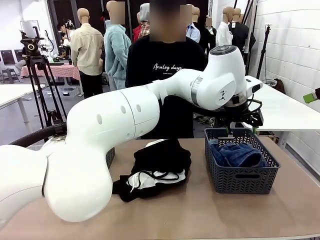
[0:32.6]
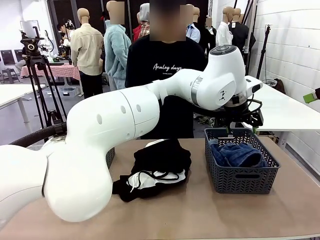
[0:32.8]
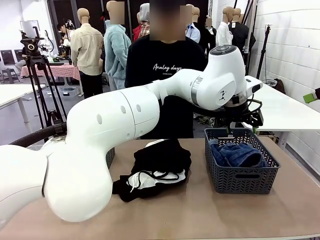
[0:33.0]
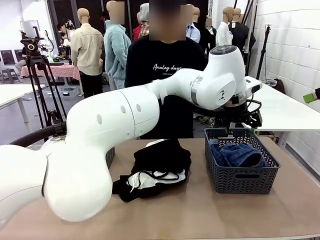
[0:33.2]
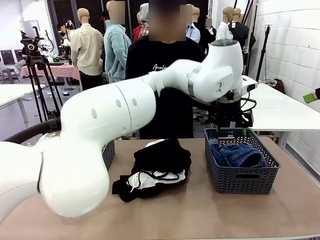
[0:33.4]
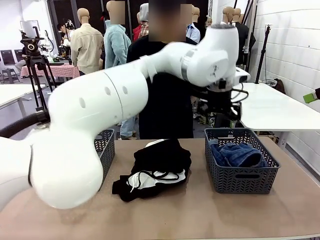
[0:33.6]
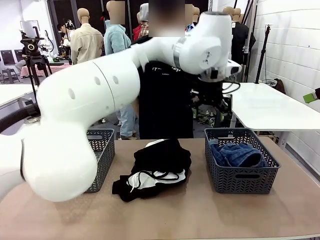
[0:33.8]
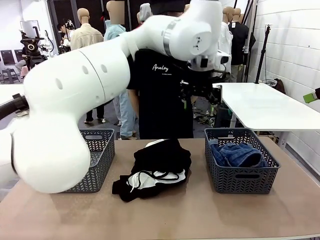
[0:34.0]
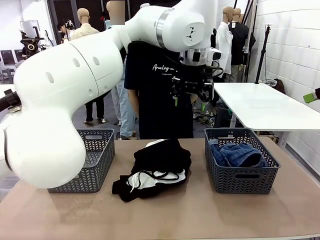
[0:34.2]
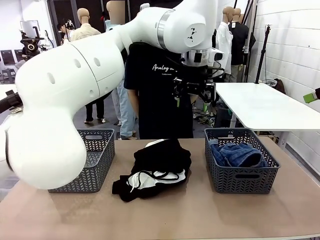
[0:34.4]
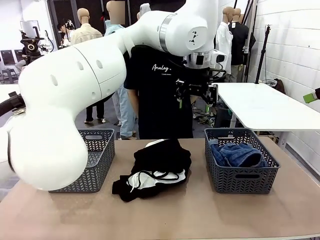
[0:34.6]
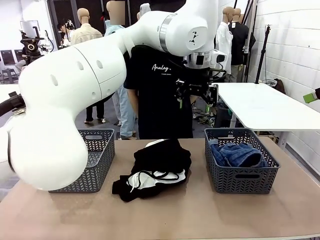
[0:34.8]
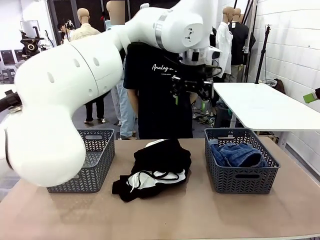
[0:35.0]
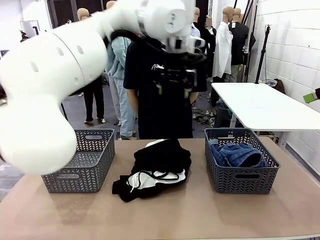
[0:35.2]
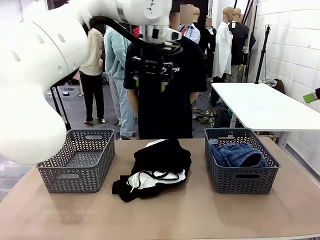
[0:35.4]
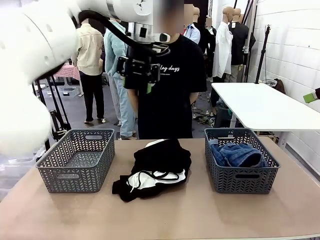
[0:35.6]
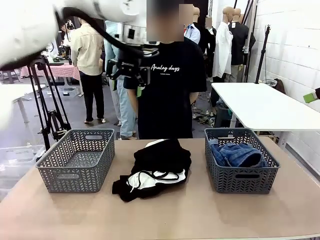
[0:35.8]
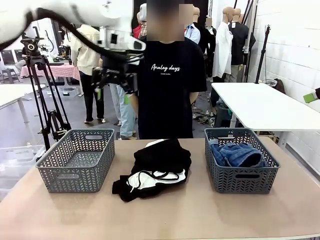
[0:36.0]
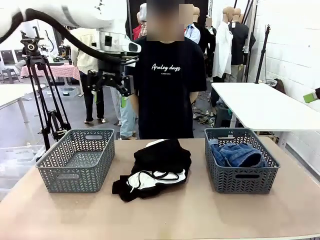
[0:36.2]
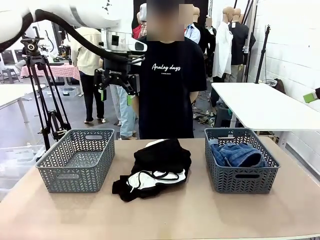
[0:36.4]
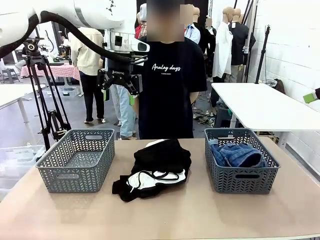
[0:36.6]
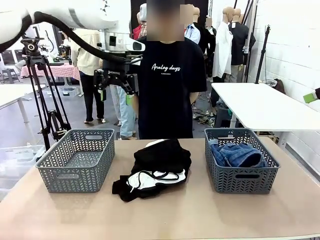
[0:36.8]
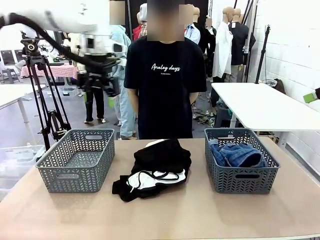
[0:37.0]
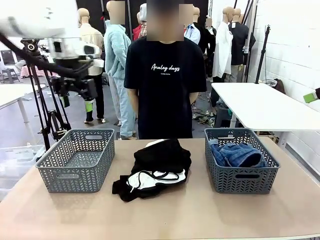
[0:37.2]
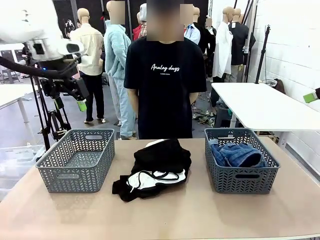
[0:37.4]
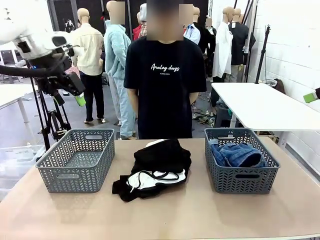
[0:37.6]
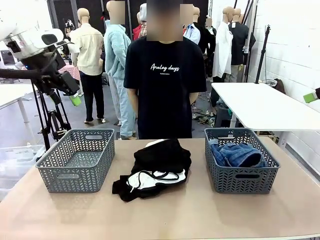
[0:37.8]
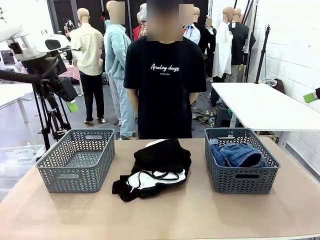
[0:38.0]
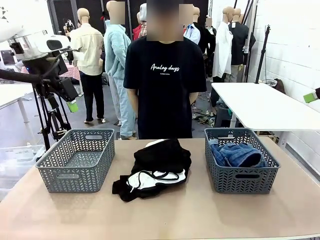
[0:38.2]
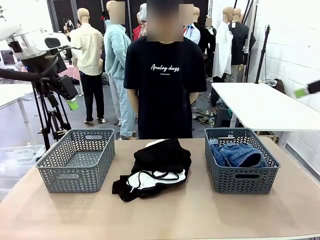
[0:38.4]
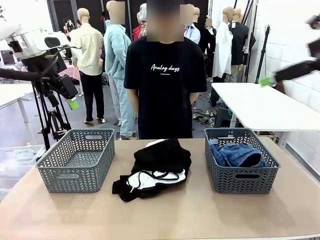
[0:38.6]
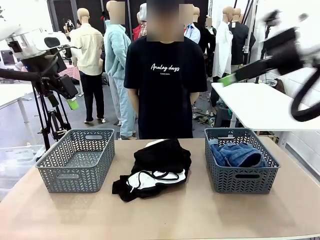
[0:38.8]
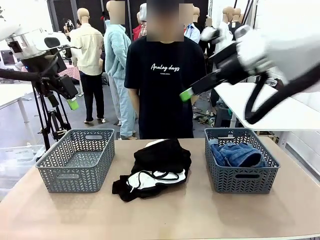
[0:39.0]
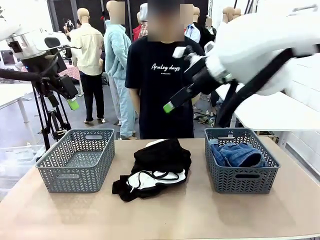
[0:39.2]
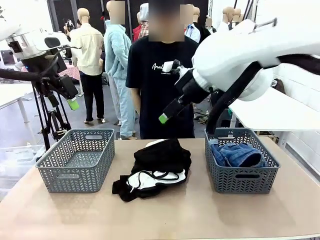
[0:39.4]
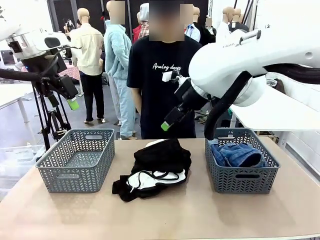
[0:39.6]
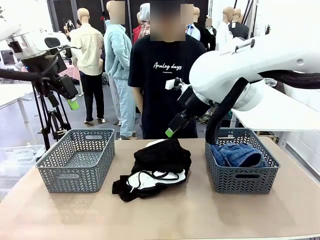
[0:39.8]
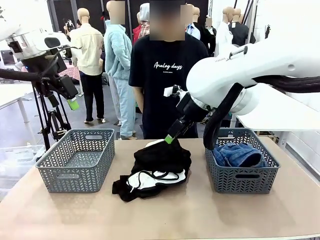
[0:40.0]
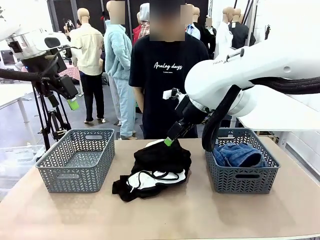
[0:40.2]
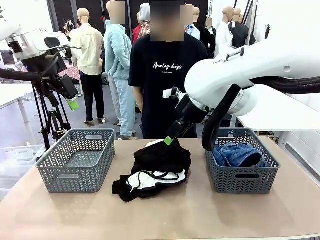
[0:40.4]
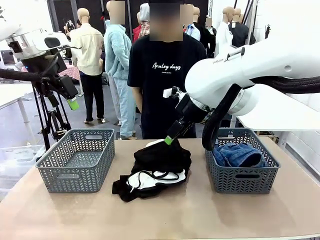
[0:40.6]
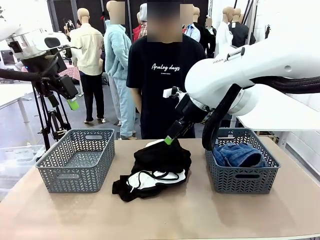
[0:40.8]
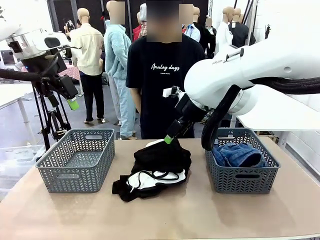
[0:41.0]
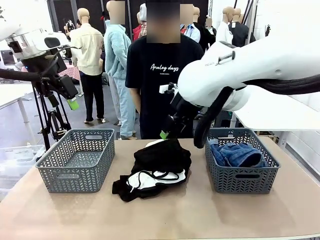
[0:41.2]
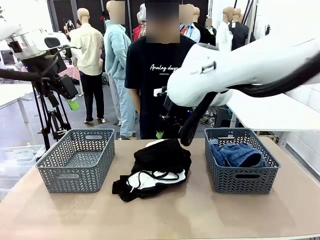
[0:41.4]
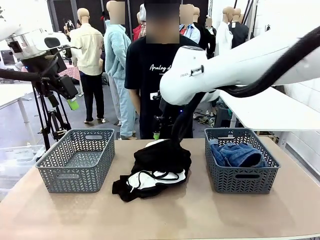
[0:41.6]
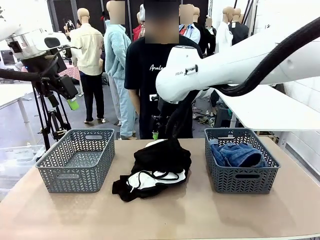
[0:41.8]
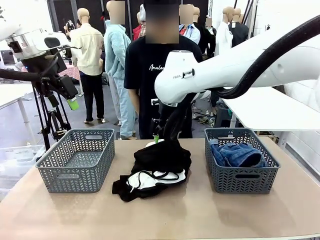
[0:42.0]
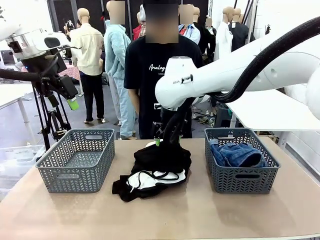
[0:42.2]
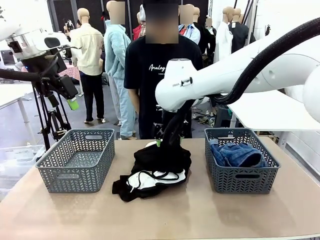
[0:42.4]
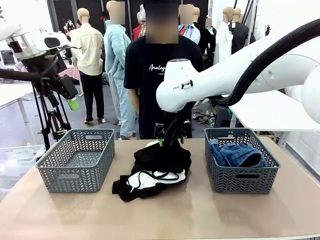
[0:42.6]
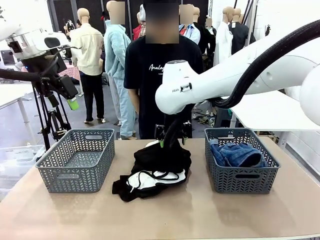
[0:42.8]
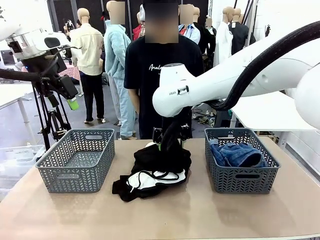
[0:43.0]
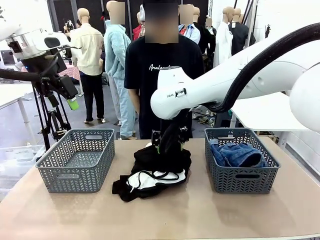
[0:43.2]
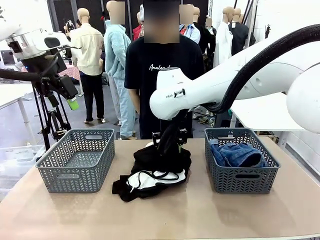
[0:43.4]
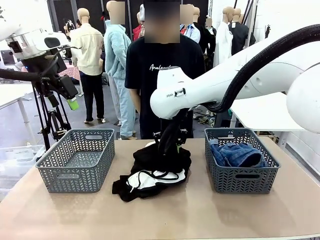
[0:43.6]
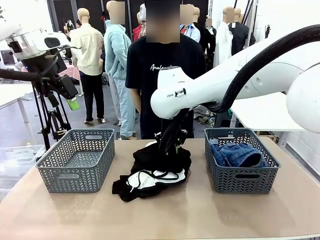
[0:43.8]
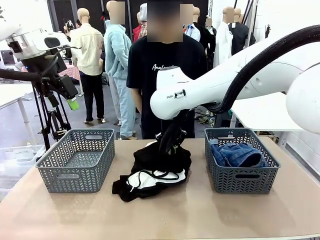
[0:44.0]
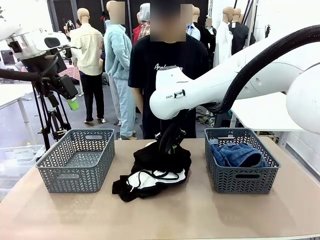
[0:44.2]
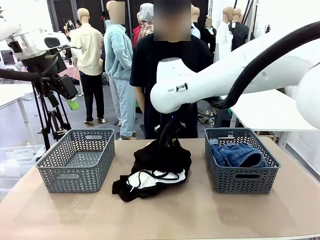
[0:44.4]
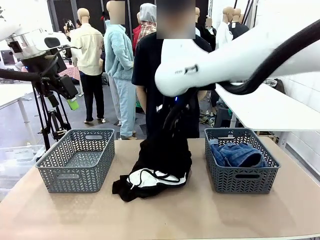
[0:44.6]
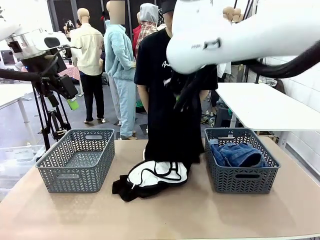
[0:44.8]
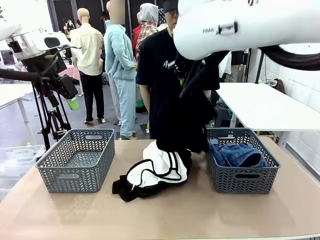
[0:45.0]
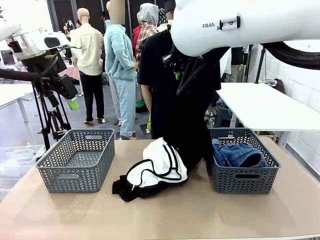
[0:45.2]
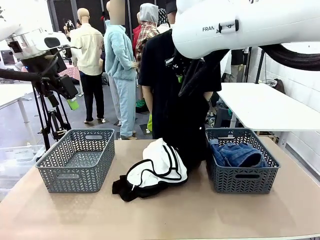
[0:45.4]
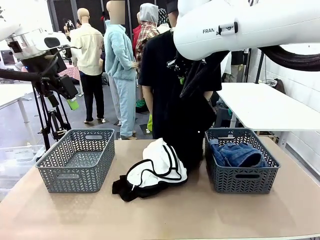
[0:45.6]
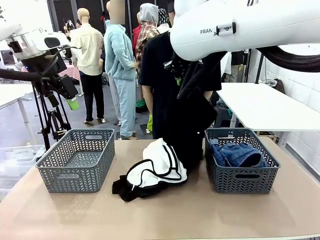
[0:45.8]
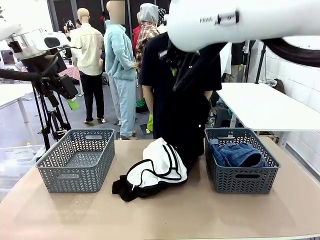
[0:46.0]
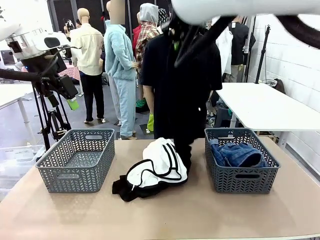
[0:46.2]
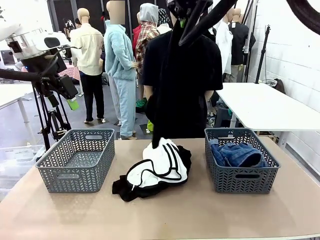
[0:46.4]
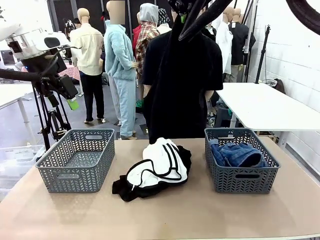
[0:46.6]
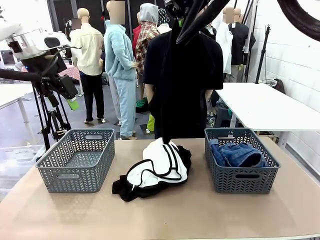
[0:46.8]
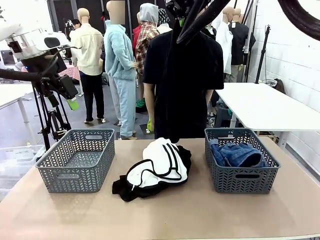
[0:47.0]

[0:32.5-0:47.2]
Task: Sort the tops and bottoms.
Robot: Lift clothes from the center of the table with your right hand.
